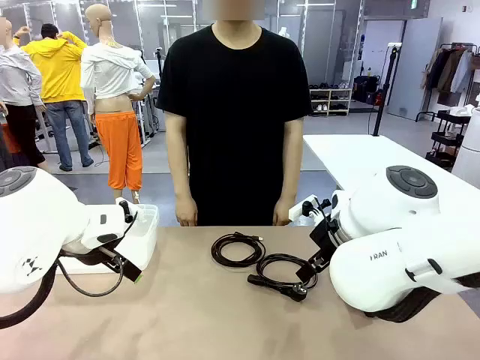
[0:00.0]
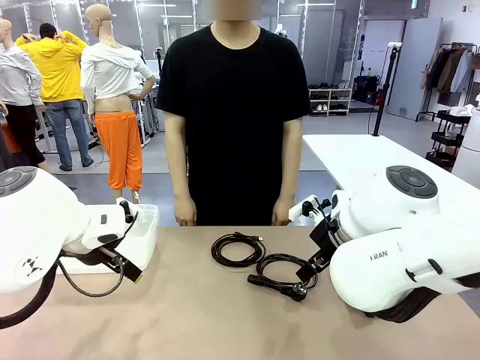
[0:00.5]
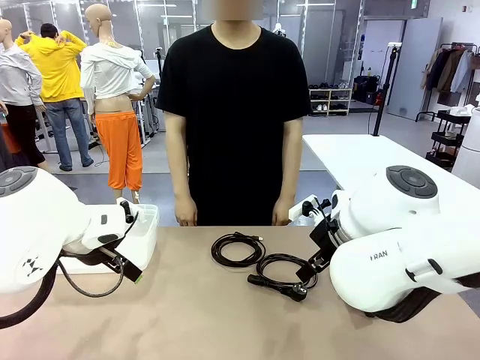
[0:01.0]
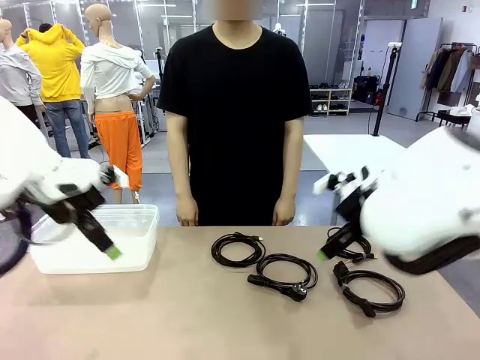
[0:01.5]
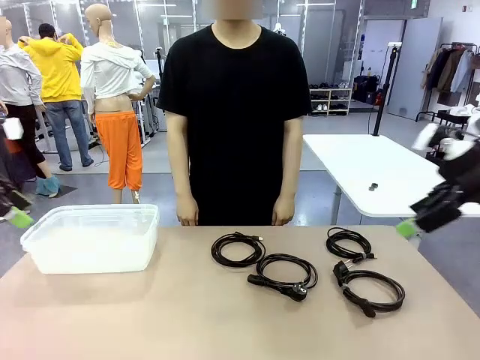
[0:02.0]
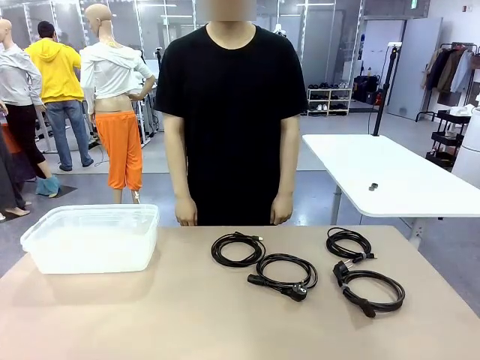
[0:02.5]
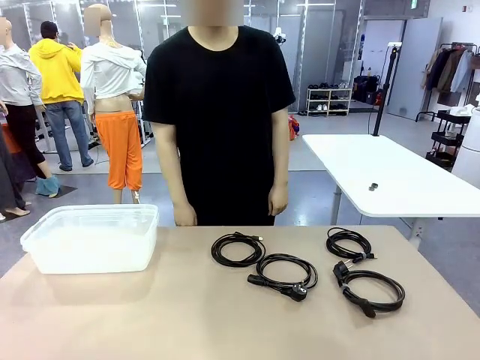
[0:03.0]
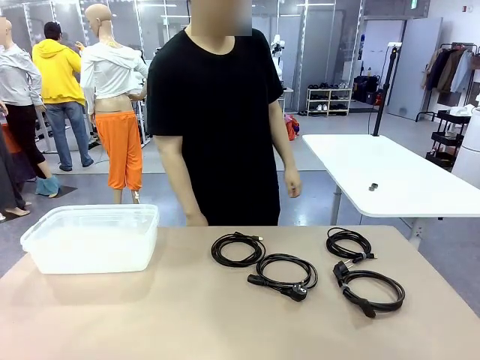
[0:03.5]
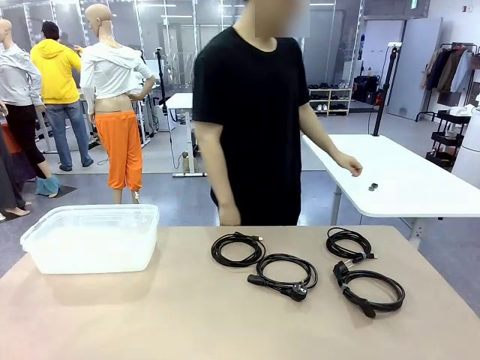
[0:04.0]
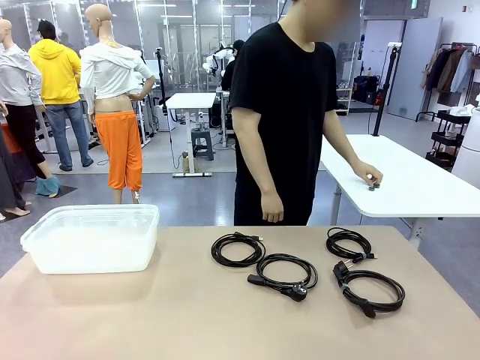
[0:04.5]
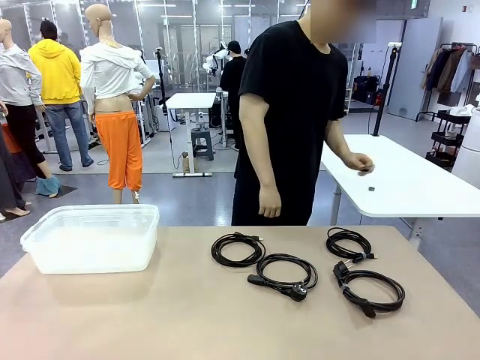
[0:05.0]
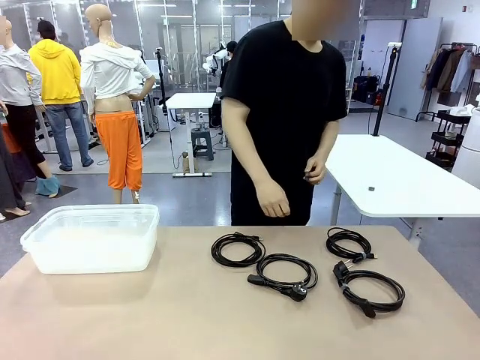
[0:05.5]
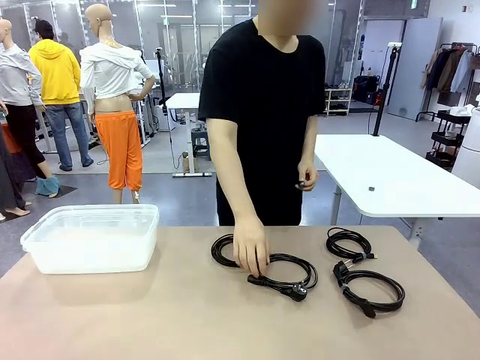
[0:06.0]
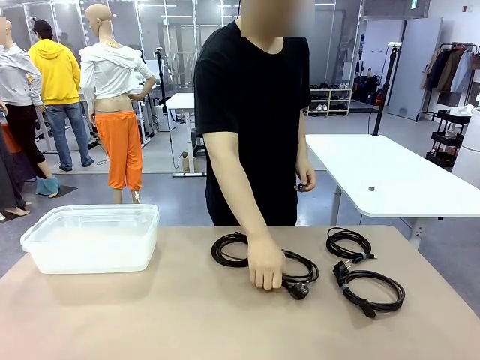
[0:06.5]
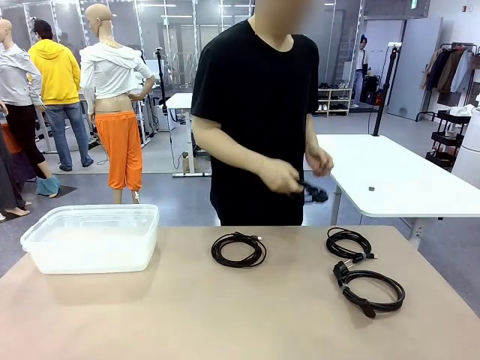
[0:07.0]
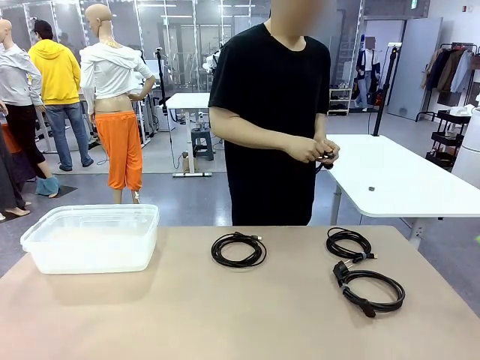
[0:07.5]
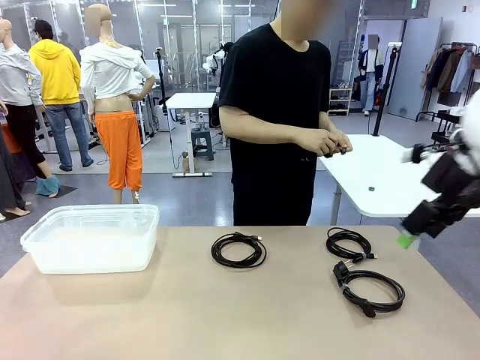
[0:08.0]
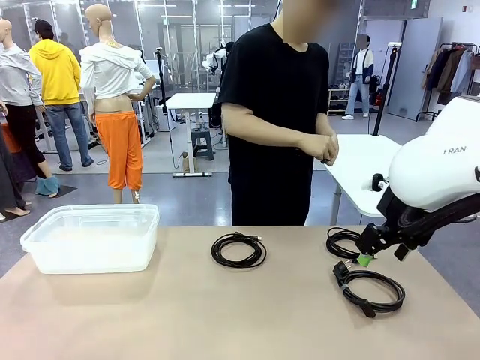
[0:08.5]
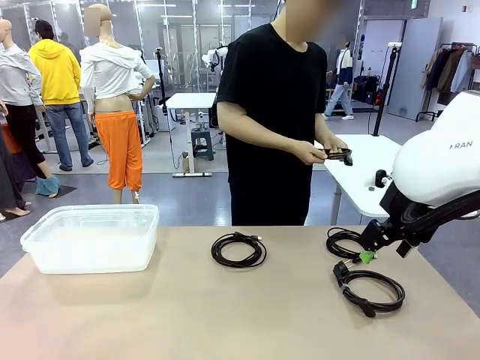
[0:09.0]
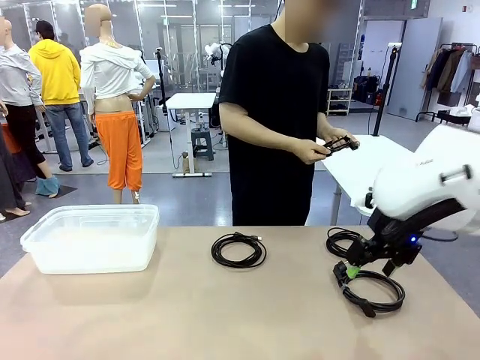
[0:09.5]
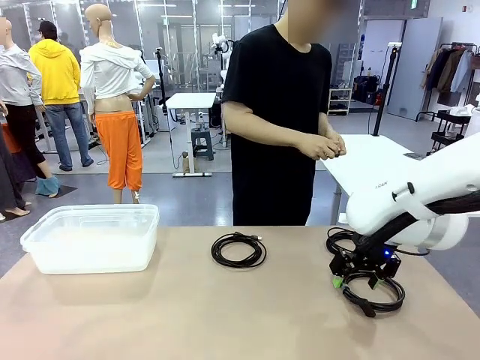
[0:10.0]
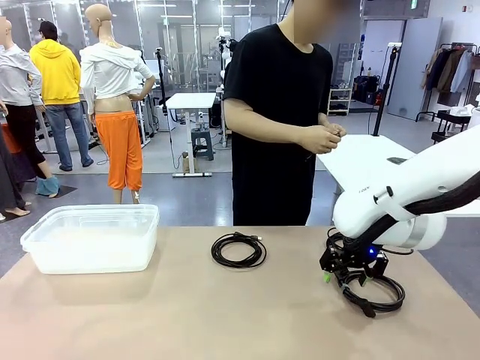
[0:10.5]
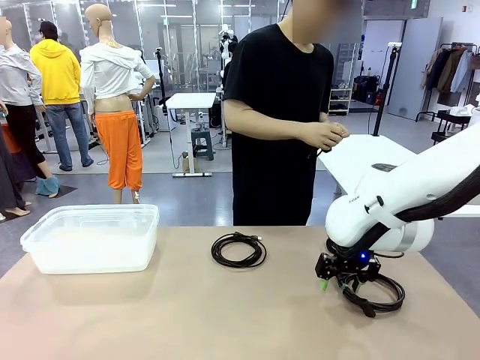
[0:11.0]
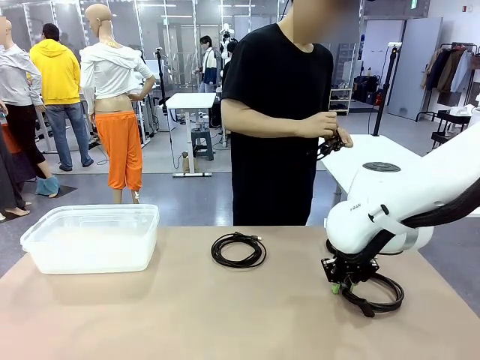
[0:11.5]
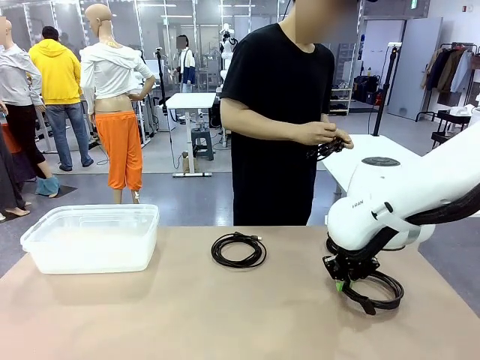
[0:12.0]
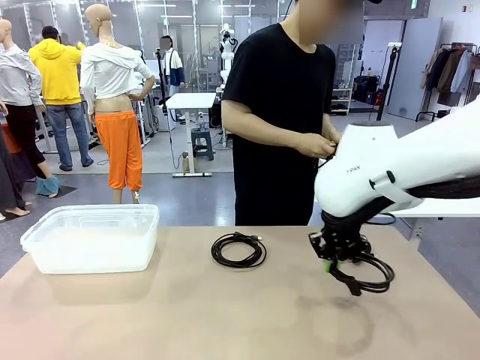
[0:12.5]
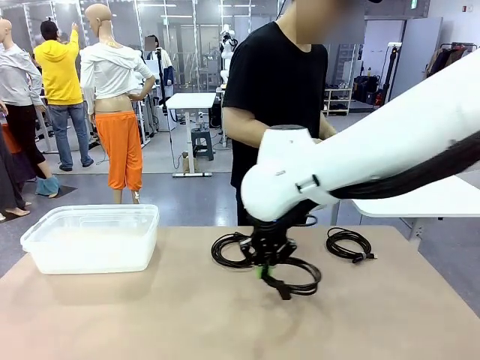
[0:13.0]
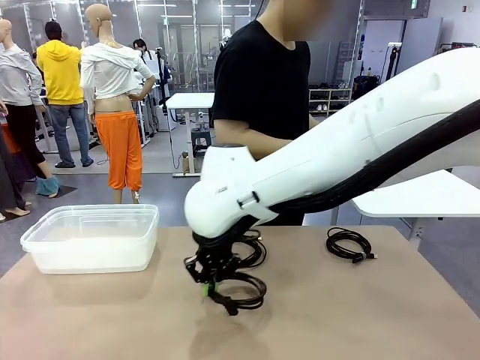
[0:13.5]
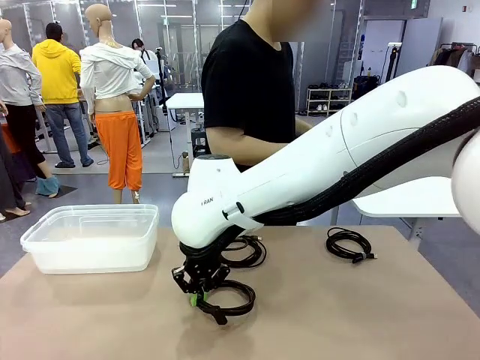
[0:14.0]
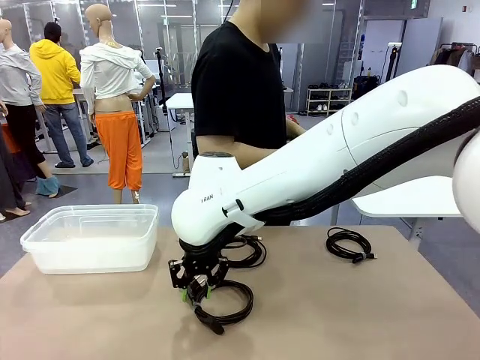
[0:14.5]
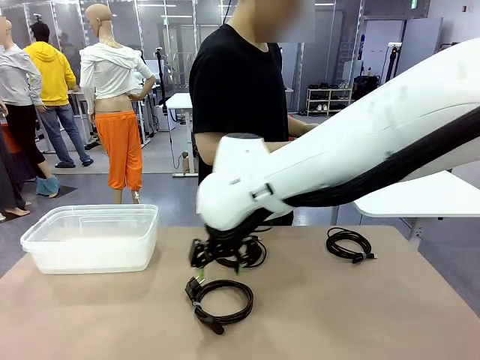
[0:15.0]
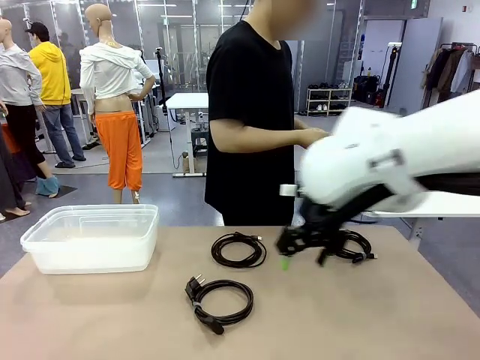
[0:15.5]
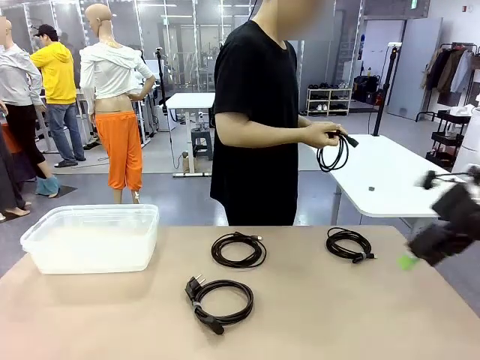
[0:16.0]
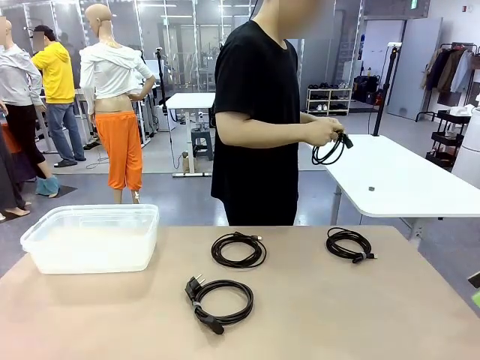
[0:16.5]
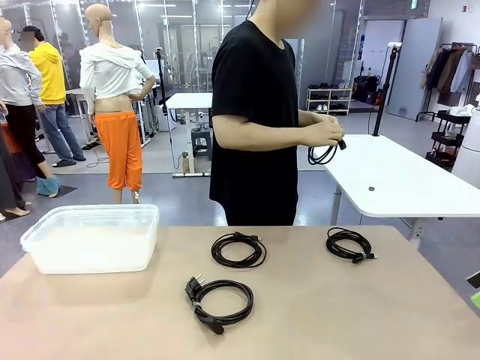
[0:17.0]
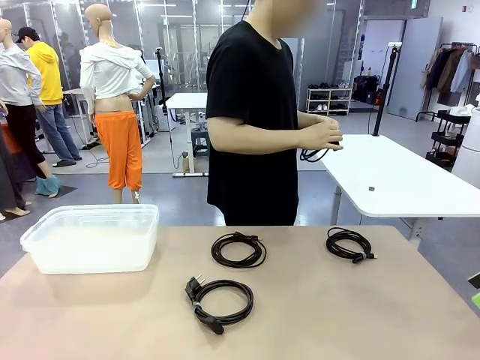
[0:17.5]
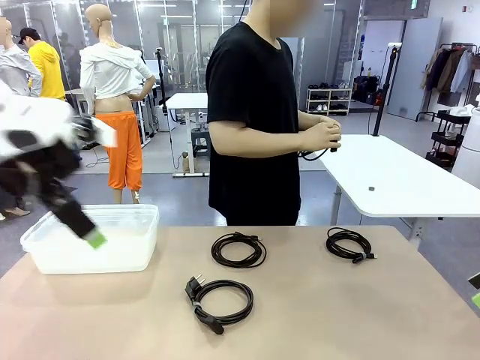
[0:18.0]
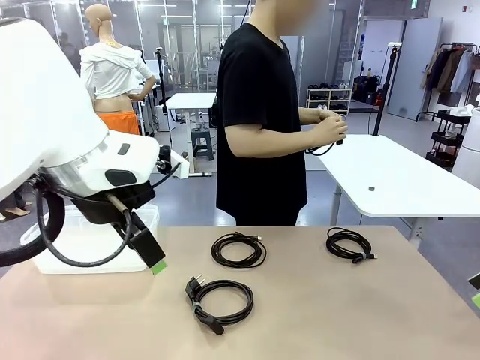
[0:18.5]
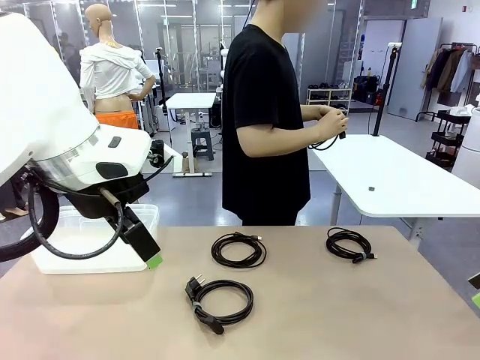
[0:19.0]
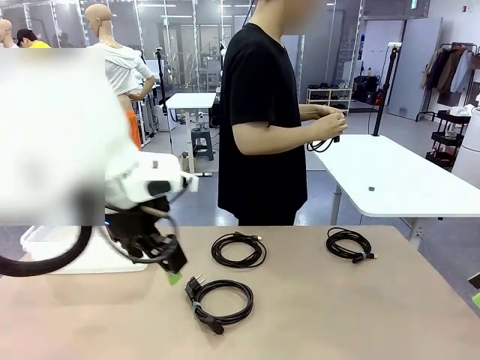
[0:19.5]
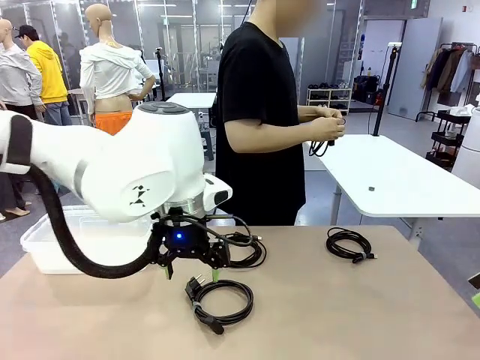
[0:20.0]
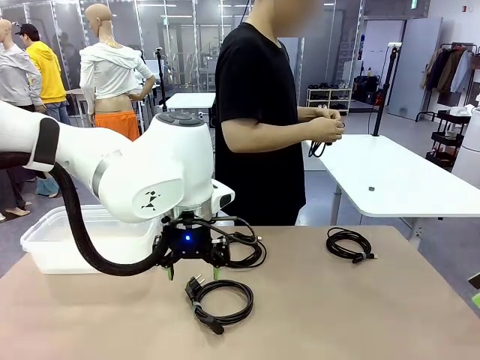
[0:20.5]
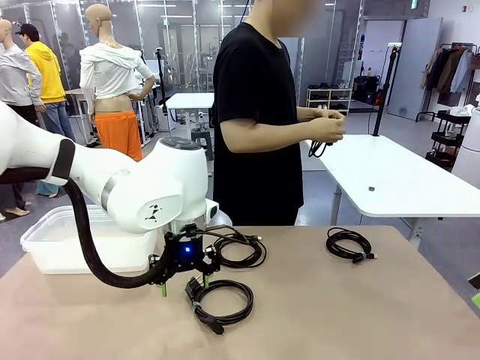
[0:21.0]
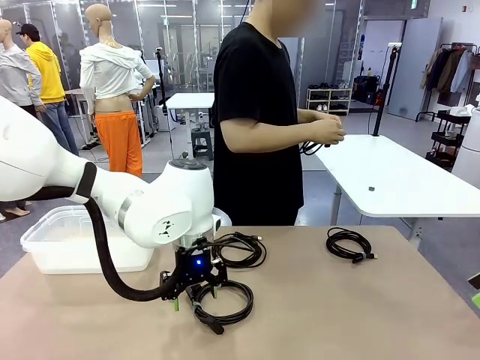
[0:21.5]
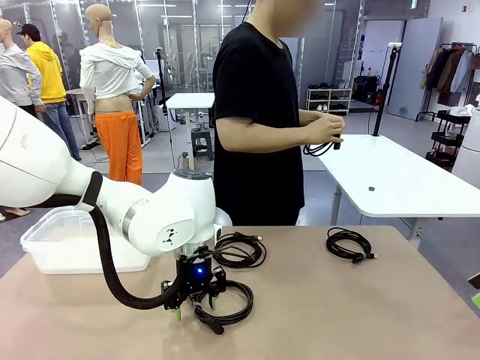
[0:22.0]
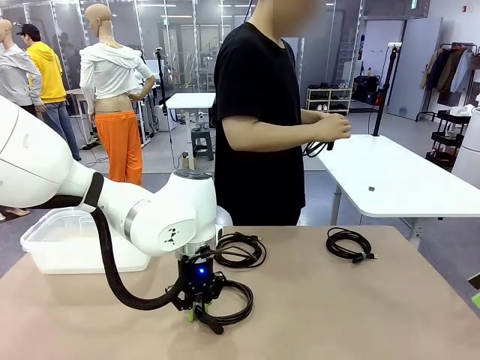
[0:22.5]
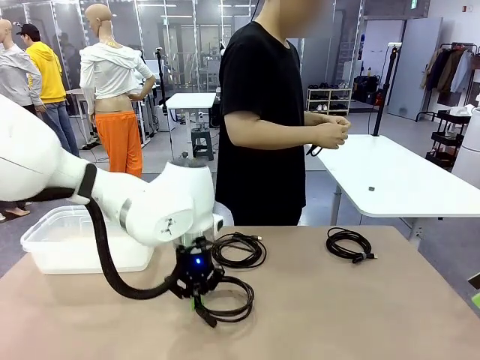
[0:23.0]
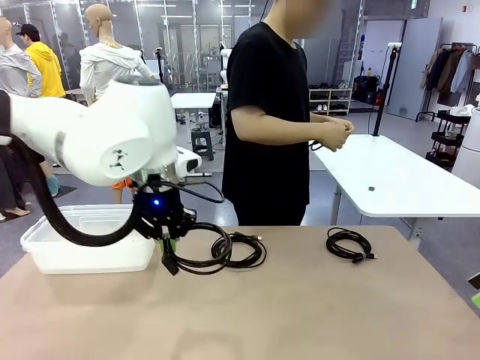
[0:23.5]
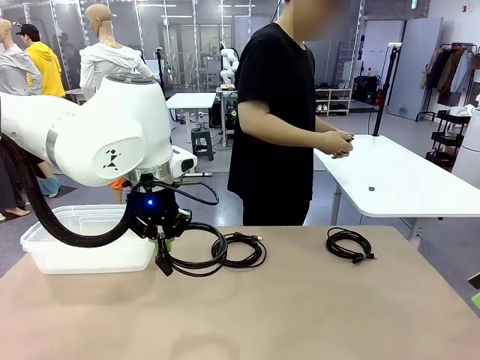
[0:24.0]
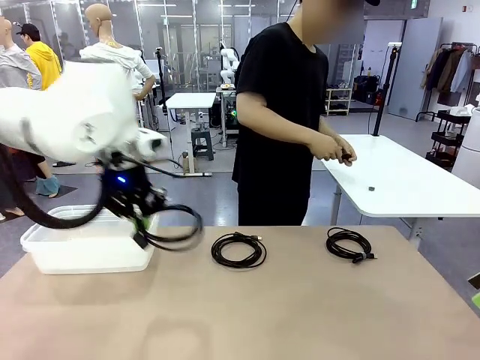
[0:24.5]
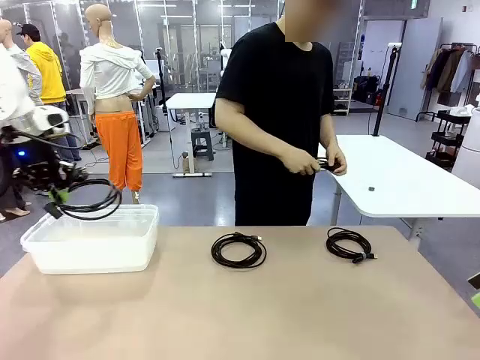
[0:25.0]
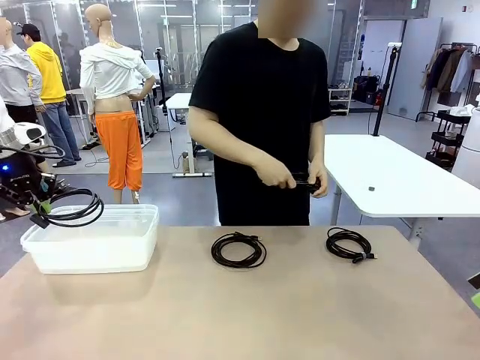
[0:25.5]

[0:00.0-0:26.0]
Task: Organize and store the cables.
Robot: Place the Power Cable into the Organizing box.
Person: Tie one Power Cable with a Reusable Cable Tie.
